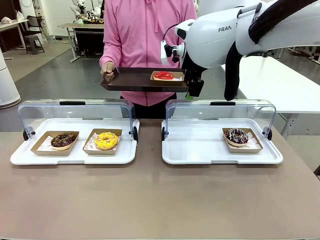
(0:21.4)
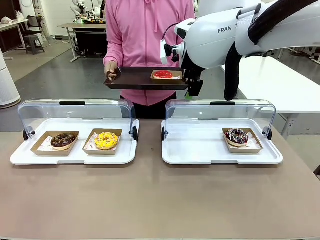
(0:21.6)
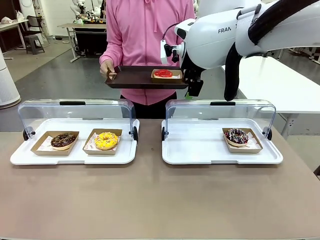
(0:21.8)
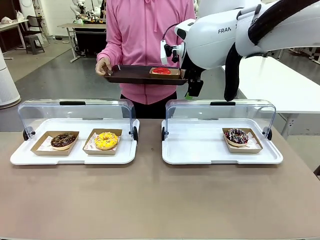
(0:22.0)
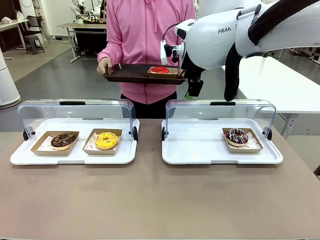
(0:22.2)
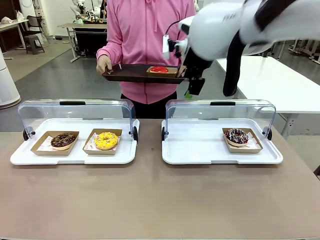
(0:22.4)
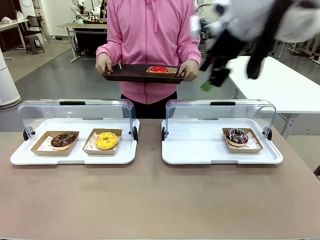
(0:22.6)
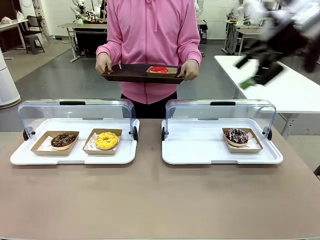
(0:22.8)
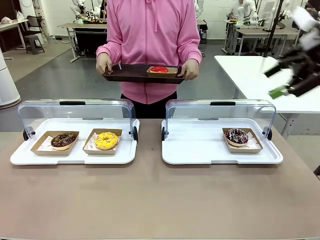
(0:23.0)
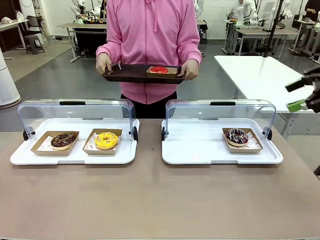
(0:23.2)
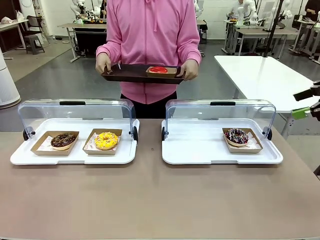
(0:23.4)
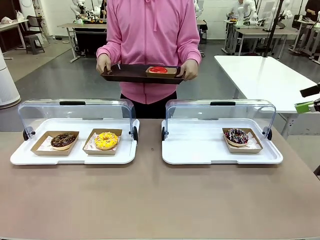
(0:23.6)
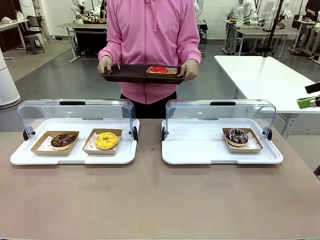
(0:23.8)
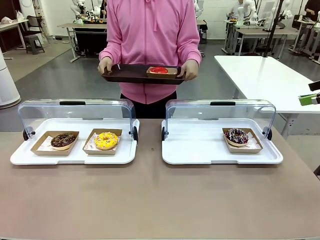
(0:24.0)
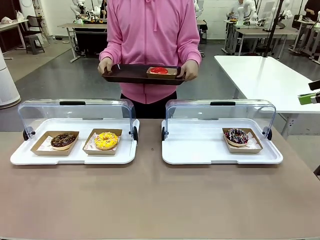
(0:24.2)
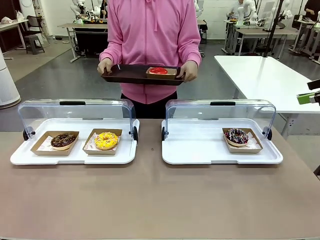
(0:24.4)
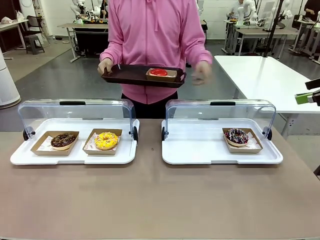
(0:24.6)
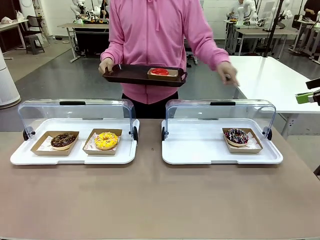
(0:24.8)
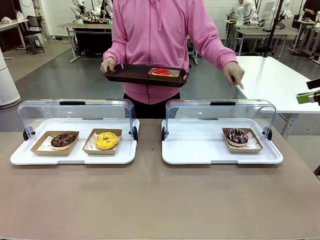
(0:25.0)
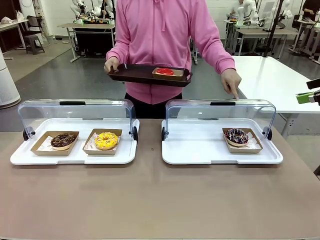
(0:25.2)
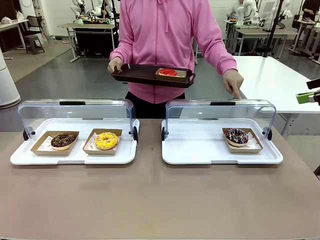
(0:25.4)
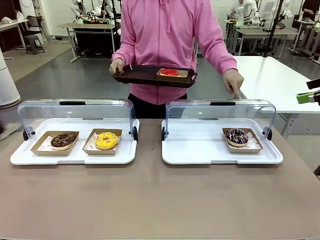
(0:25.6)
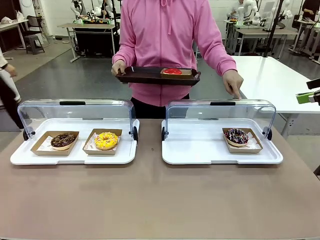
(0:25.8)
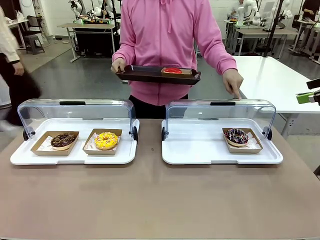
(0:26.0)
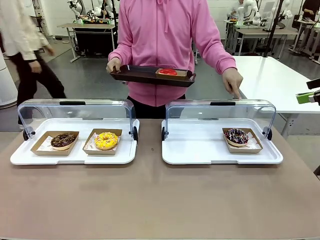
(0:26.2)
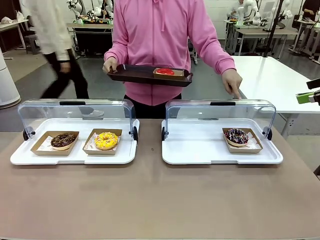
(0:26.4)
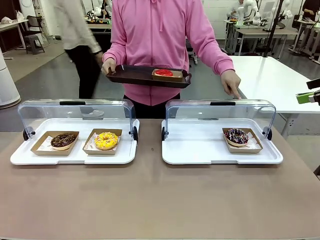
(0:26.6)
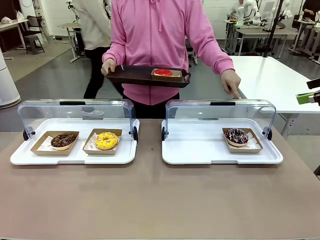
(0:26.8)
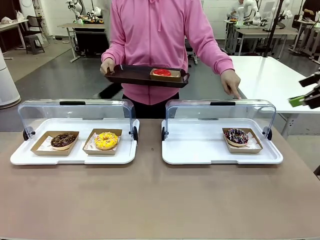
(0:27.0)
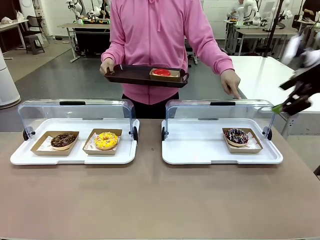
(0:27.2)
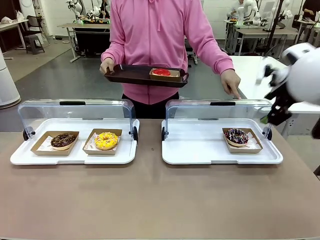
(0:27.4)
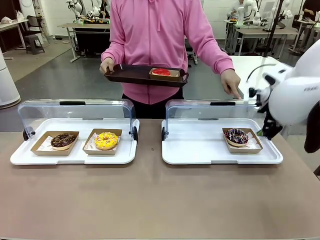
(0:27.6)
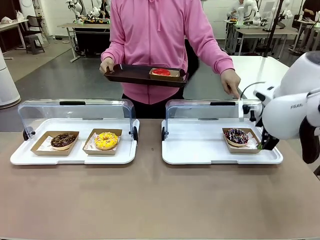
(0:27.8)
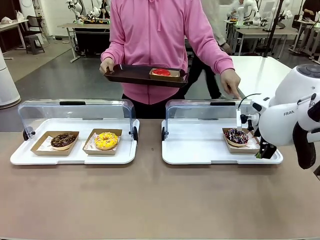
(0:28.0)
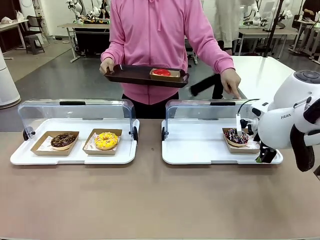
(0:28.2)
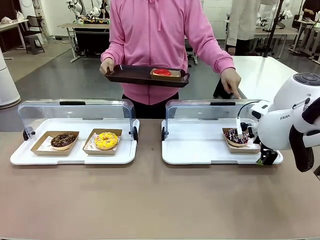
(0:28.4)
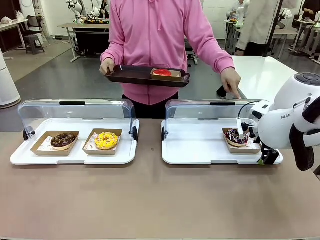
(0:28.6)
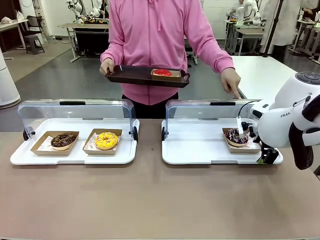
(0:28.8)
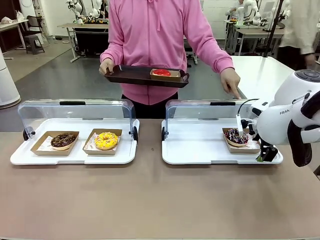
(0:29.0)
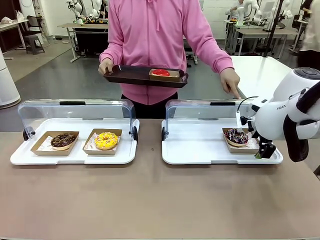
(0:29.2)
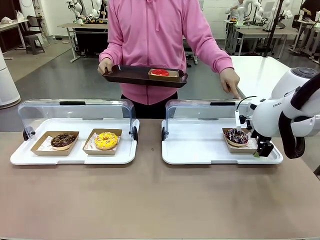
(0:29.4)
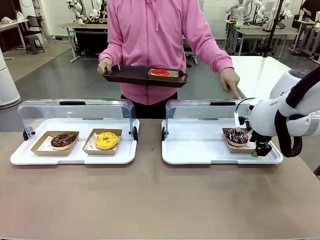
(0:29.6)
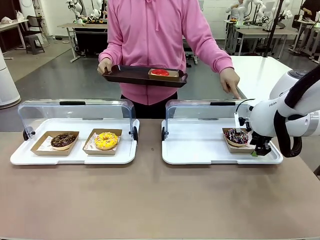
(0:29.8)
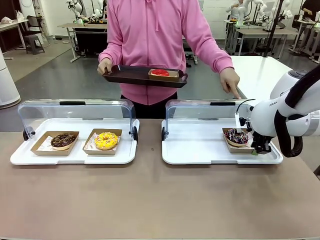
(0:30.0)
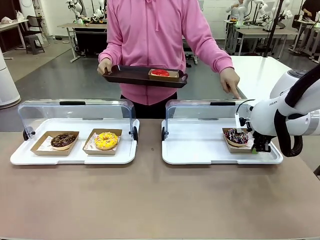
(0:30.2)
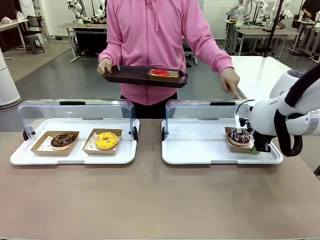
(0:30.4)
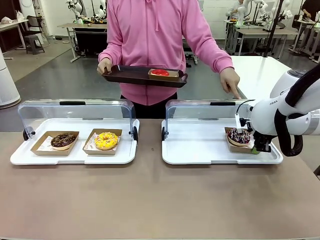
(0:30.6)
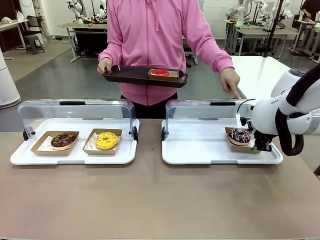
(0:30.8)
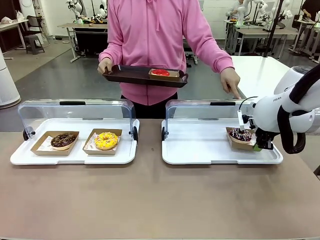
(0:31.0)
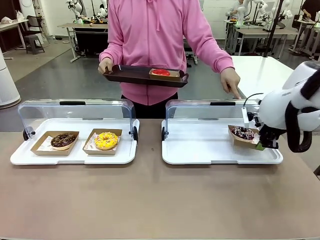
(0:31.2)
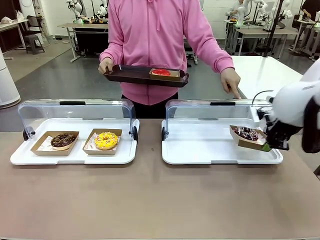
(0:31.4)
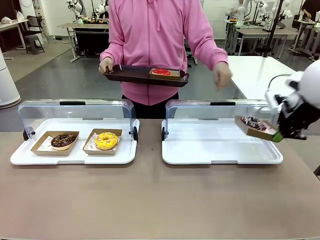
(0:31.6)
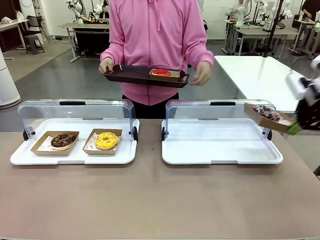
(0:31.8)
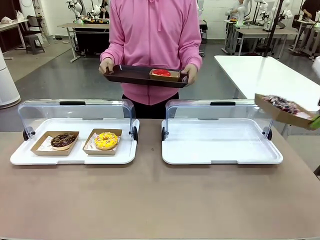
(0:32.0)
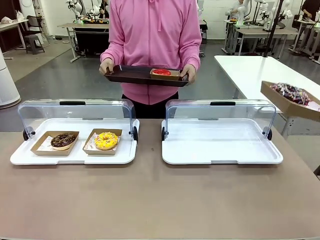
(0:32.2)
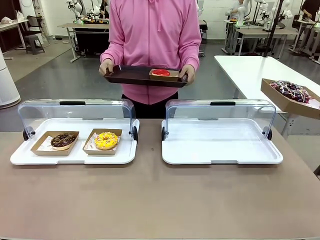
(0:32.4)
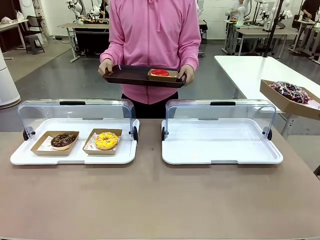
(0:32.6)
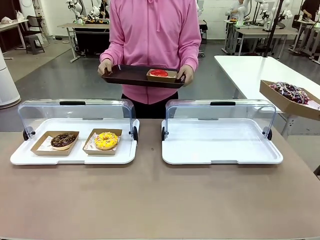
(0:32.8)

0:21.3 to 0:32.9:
Task: Provide the desired donut to the person.
Robot: Pick up and lift the Paper togo box containing the Donut pointed at by the person.
Person: Lift the tray onto the Roll-Top Bakery Case.

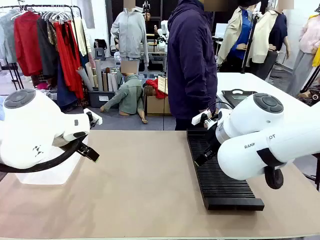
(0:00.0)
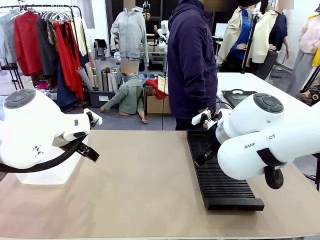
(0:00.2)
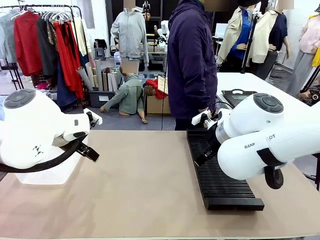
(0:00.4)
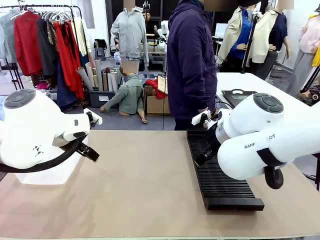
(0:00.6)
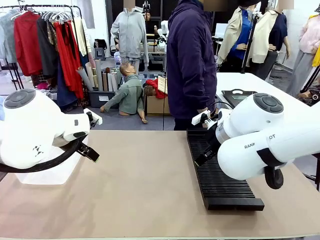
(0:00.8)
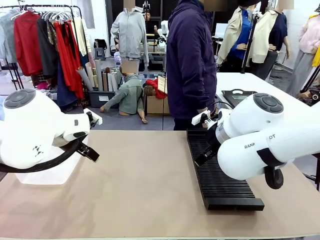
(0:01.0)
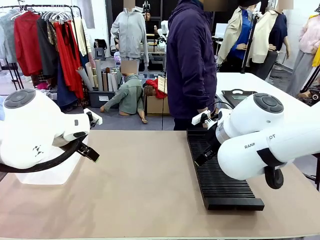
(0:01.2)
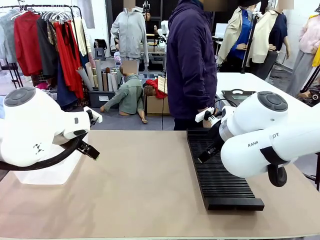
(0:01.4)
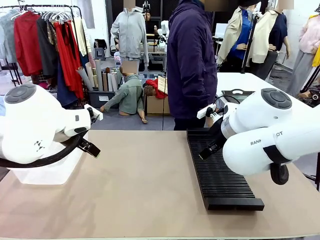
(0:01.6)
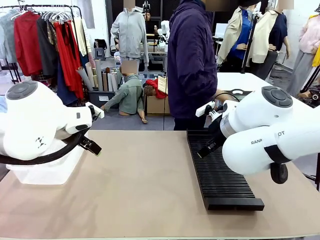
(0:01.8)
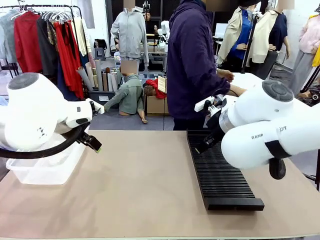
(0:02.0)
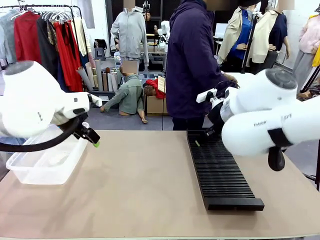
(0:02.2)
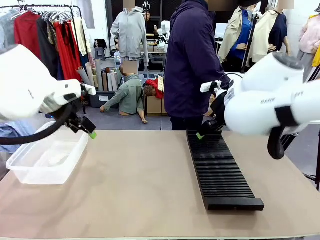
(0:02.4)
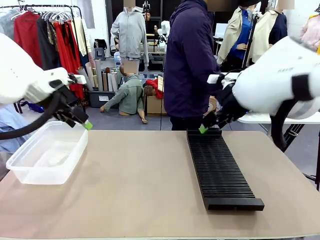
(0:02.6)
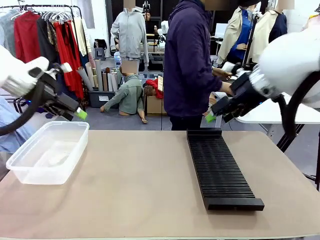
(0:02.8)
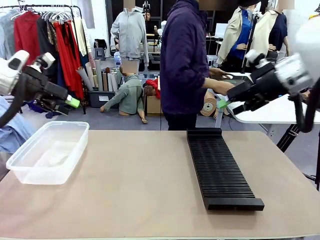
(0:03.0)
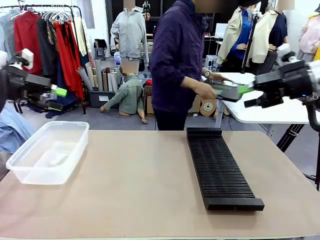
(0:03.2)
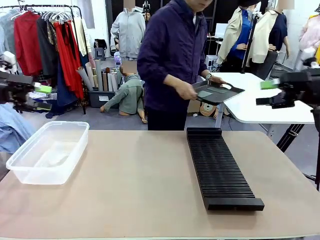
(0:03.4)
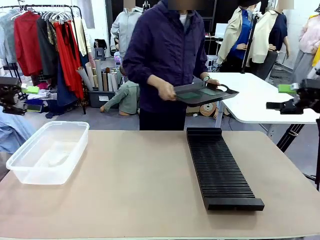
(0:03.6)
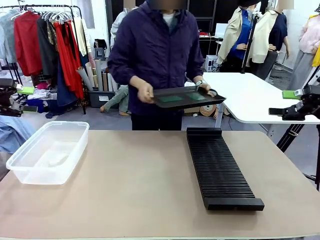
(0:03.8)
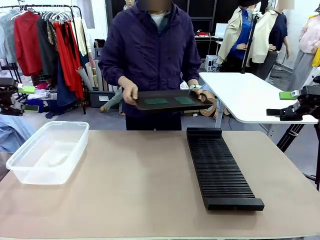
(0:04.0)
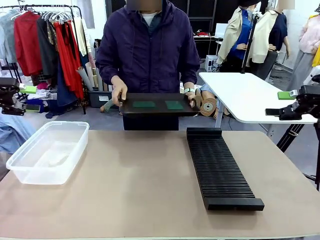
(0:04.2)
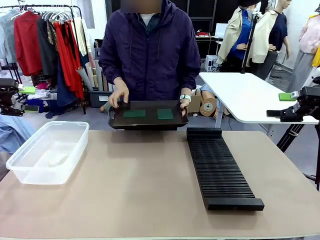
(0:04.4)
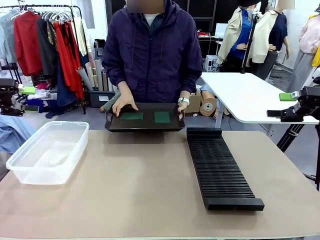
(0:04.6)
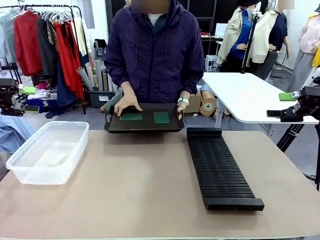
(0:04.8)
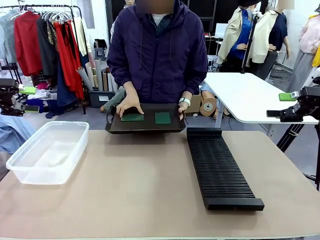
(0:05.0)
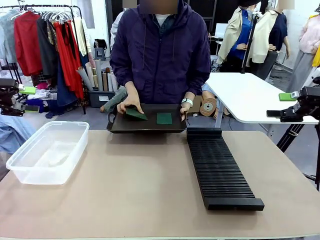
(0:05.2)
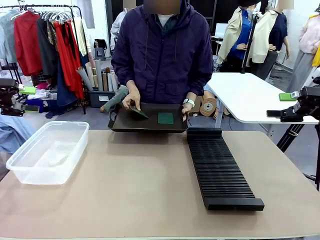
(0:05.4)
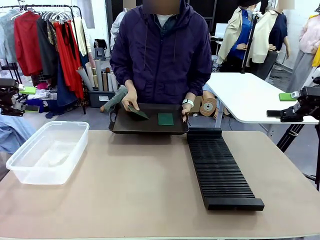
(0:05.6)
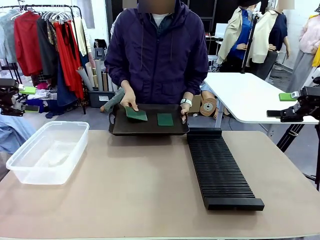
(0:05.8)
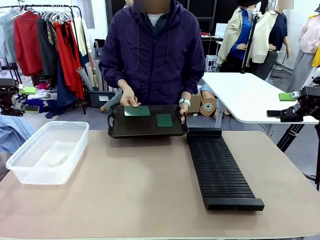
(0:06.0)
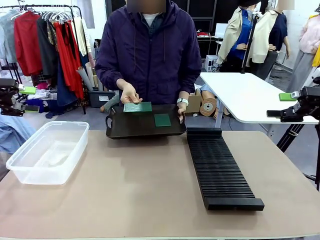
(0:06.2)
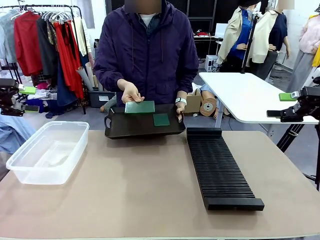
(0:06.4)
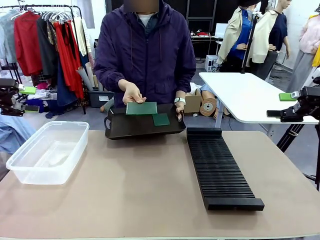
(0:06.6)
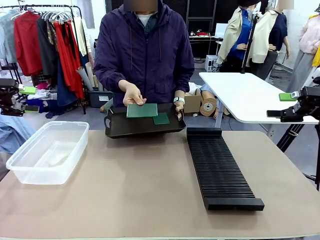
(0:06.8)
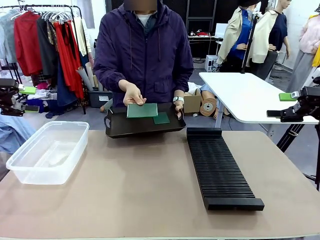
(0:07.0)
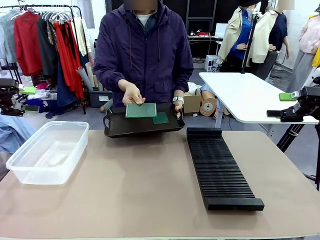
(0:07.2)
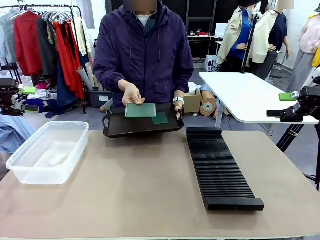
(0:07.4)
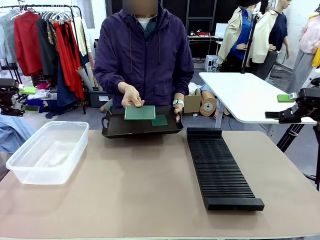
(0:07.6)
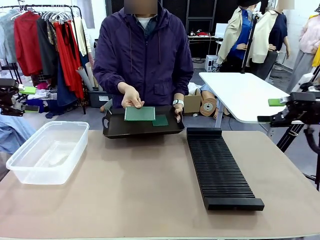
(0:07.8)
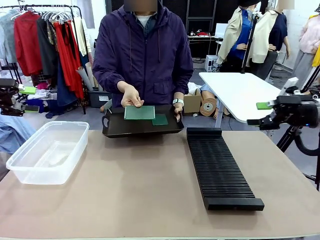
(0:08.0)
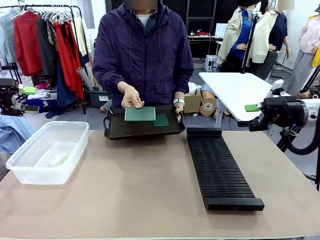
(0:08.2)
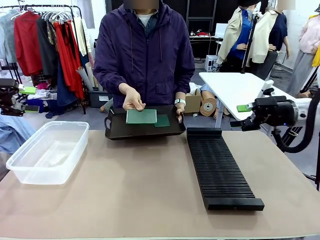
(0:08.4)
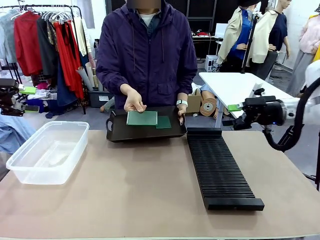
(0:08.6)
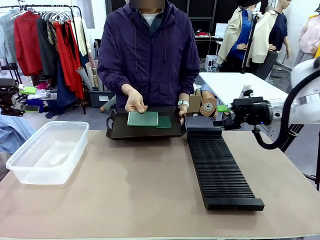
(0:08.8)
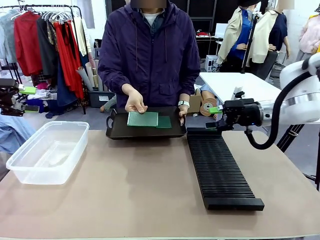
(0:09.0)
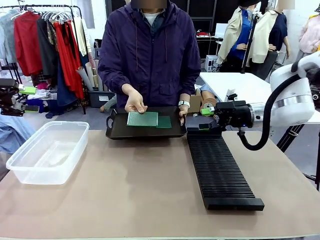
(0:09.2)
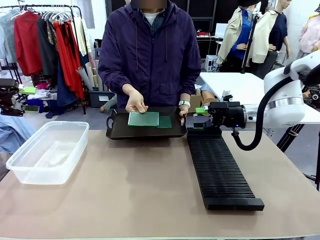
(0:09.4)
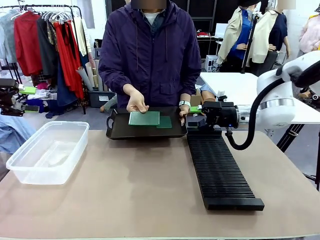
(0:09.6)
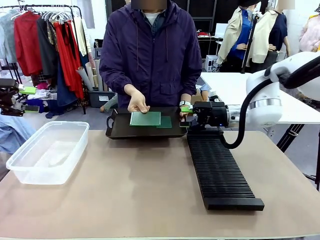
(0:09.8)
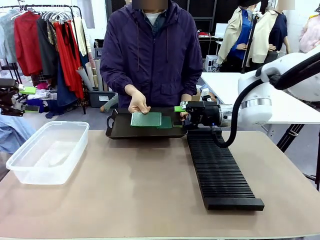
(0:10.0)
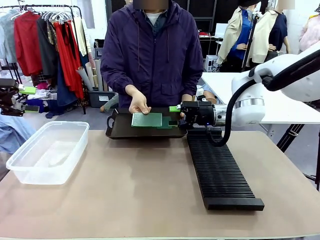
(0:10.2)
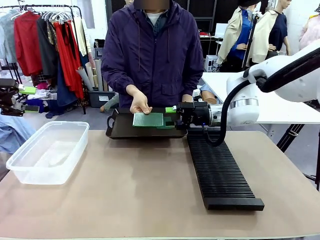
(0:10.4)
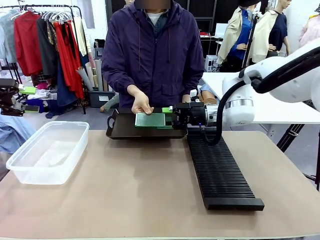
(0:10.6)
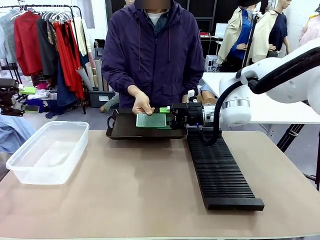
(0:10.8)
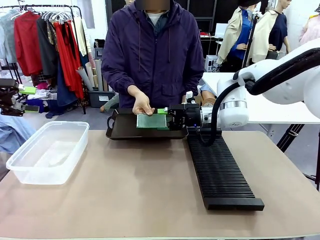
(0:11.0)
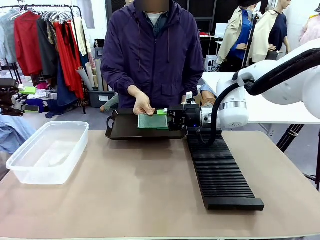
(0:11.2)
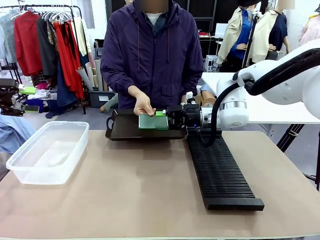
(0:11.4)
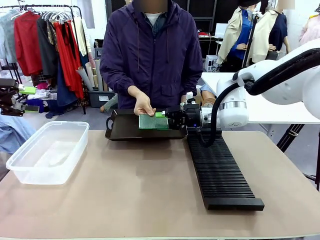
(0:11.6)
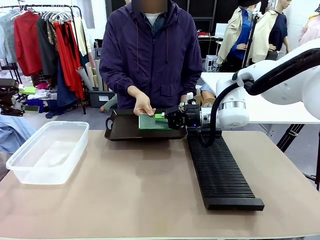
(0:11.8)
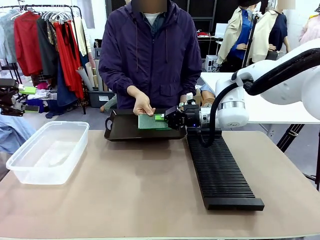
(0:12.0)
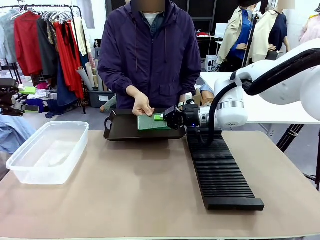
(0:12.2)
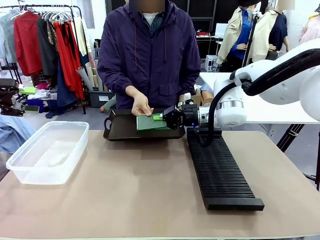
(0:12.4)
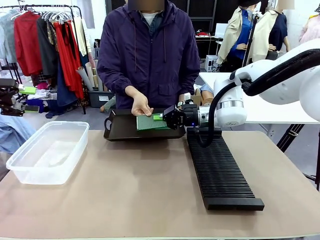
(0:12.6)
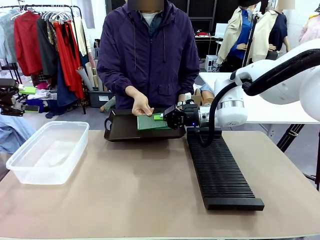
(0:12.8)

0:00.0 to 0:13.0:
Task: Sort PCBs into racks and boxes based on the side picked up.
Robot: Pick up the Blank PCB handed by the Human.
Person: Pick one PCB from the tray and present it to the robot. Release the PCB being held.
